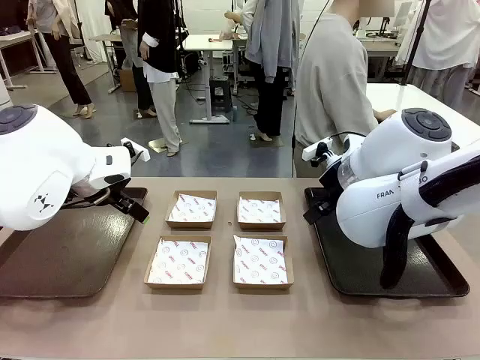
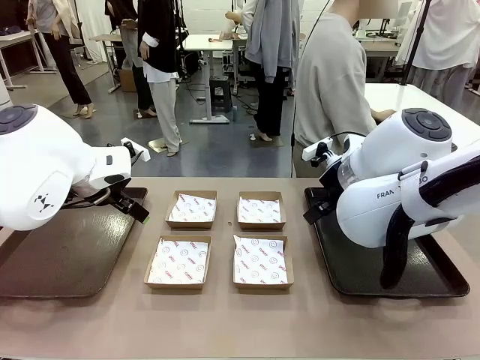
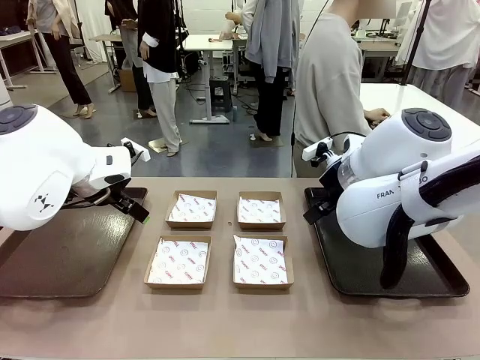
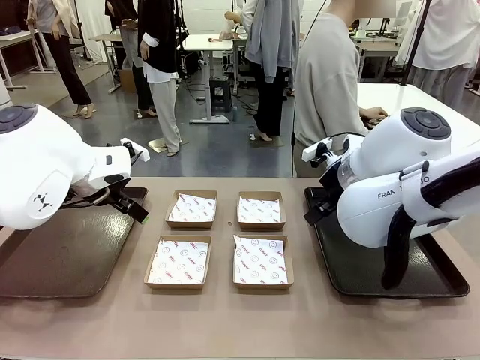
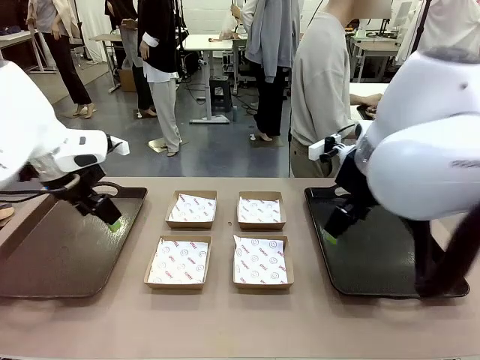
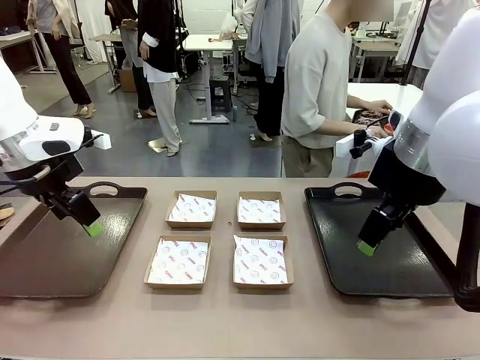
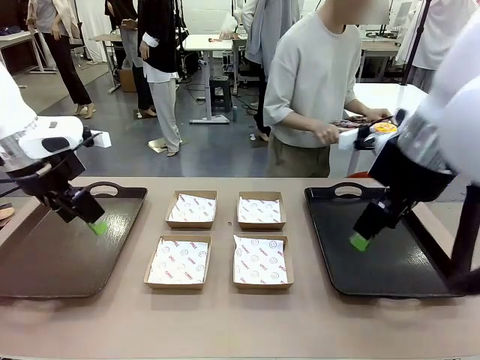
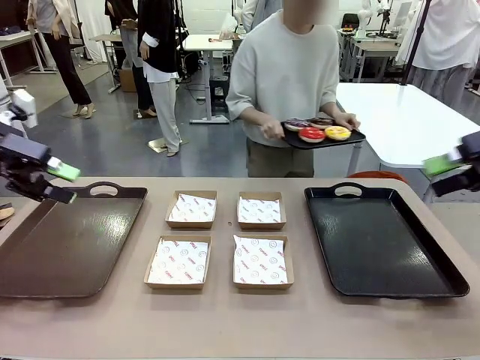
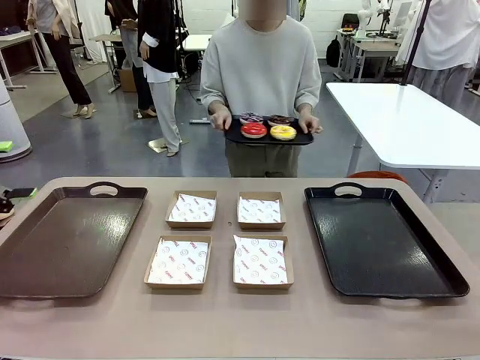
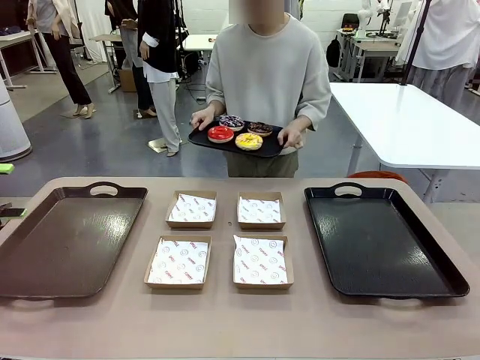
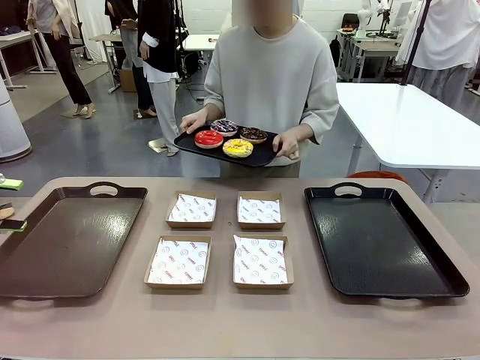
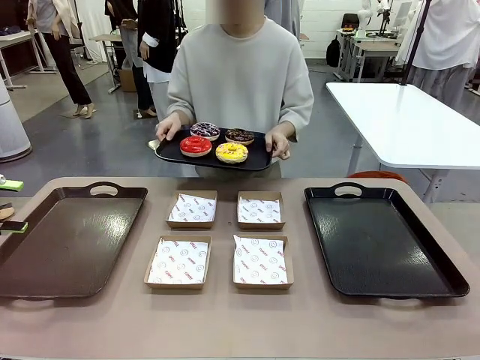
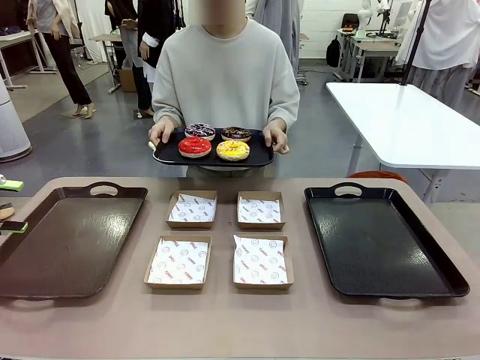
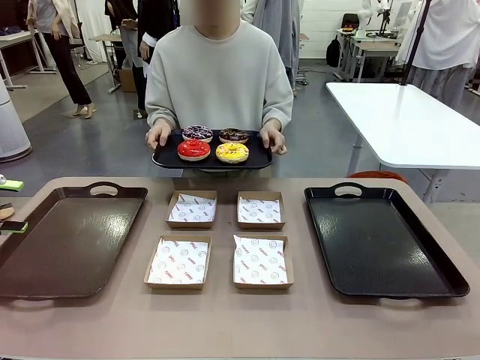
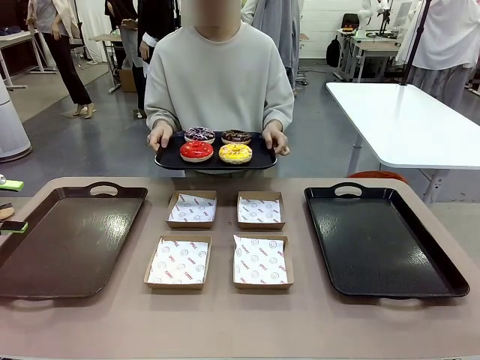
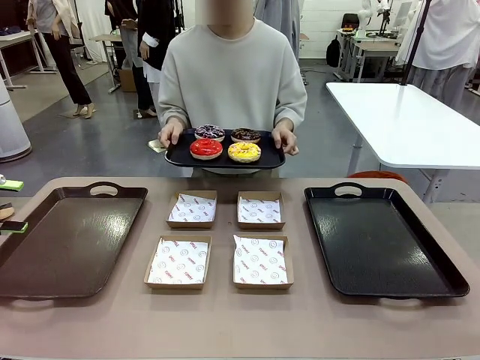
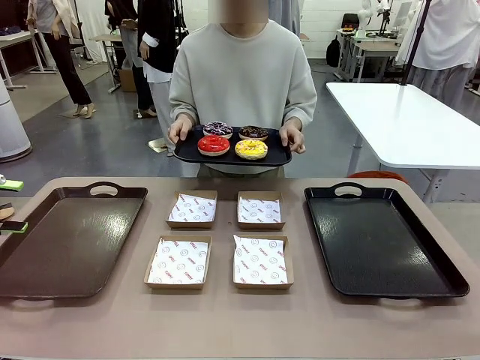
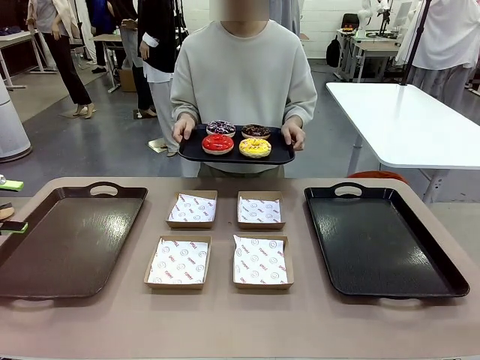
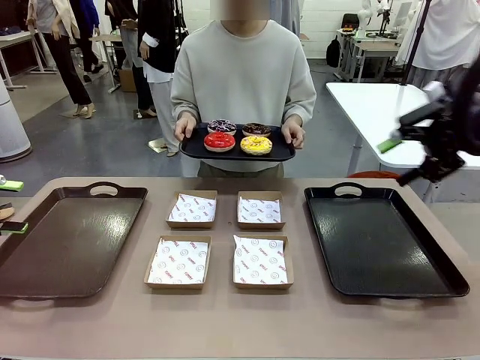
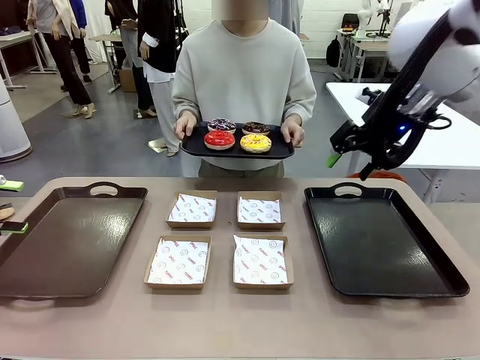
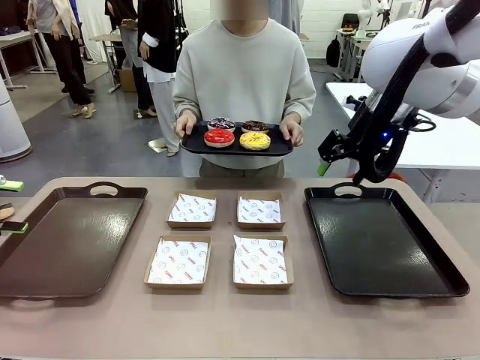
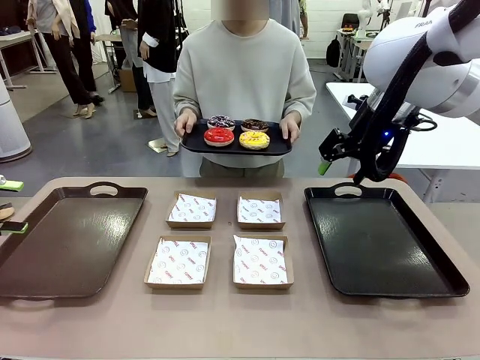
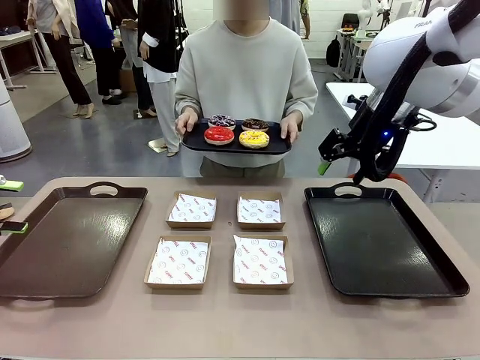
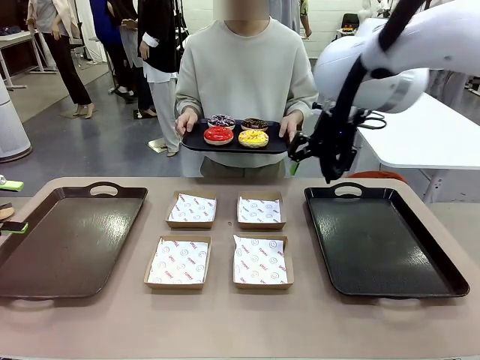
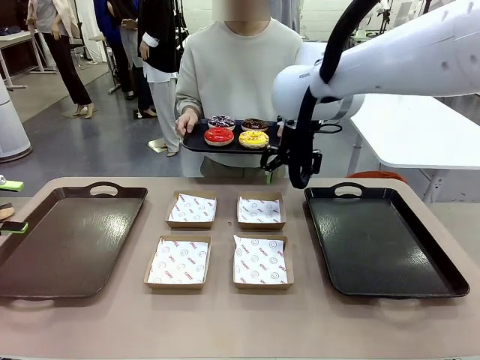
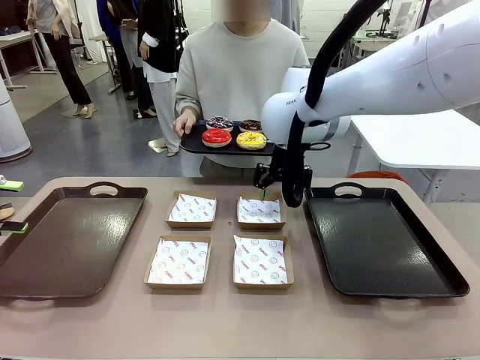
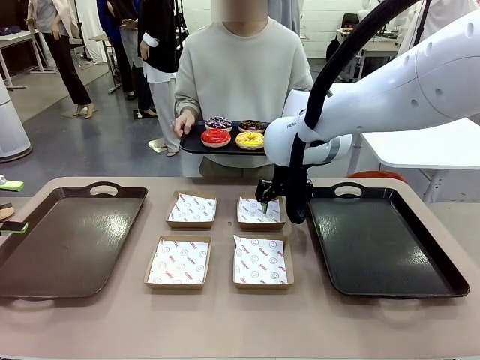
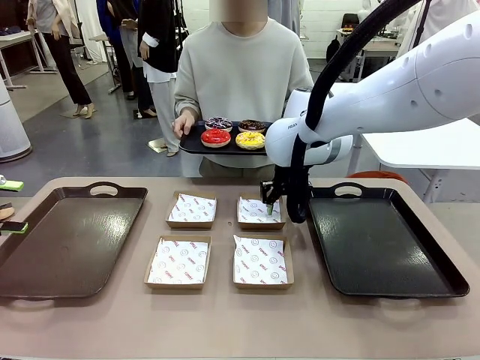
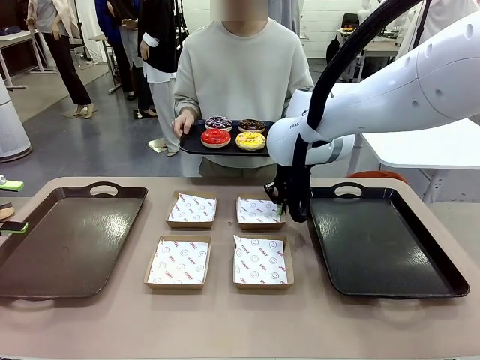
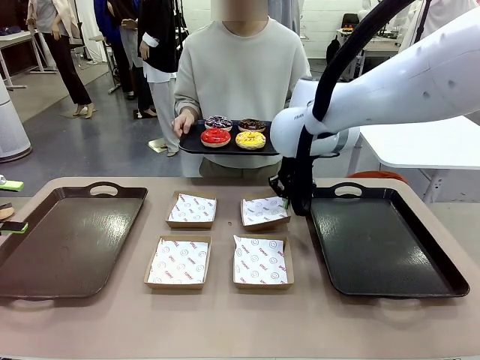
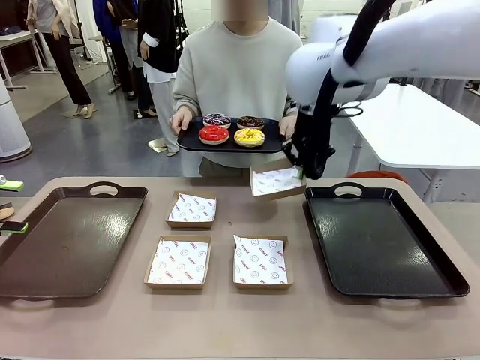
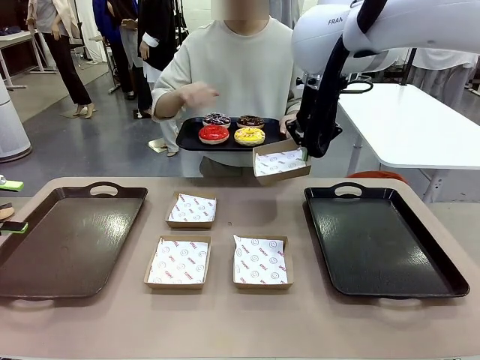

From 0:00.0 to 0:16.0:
Task: Individually package the donuts and arrange them on the tray.
Robot: Pick up one Paper togo box.
Person: Stand in front of the robot table holding the tray containing the donuts.

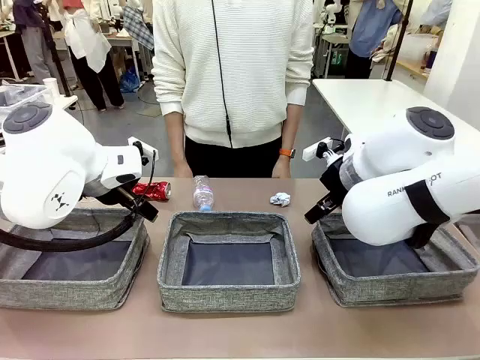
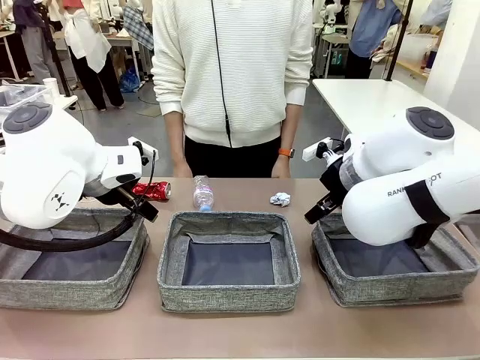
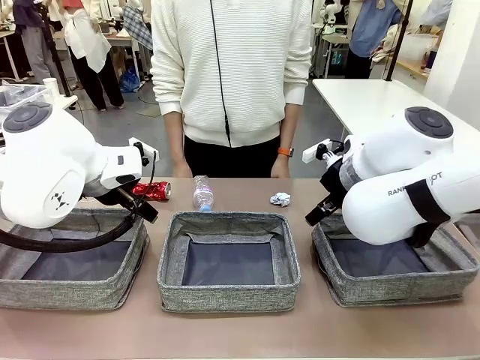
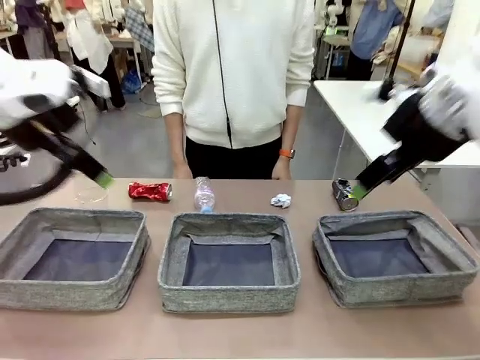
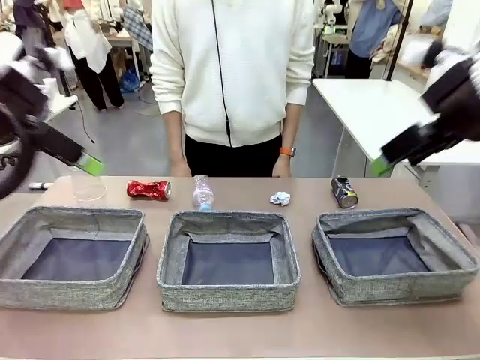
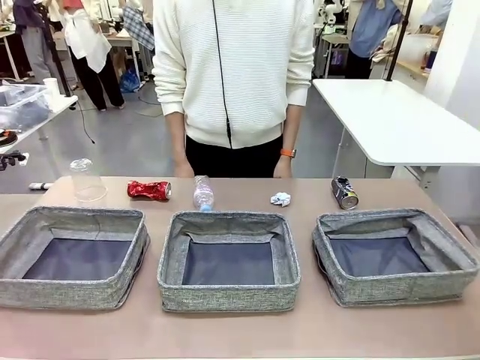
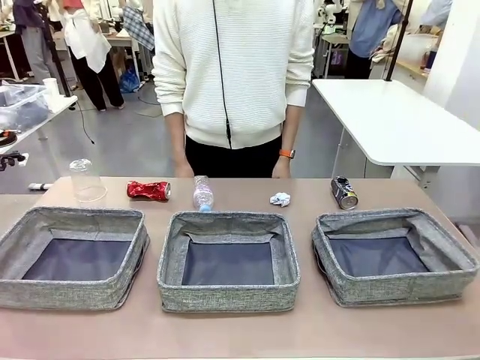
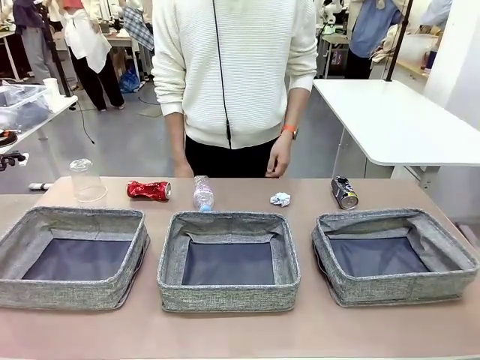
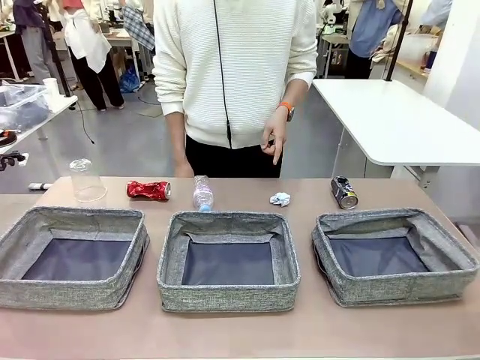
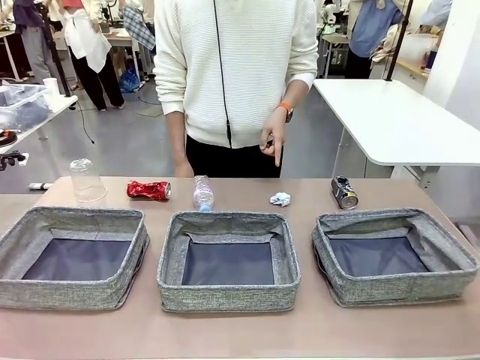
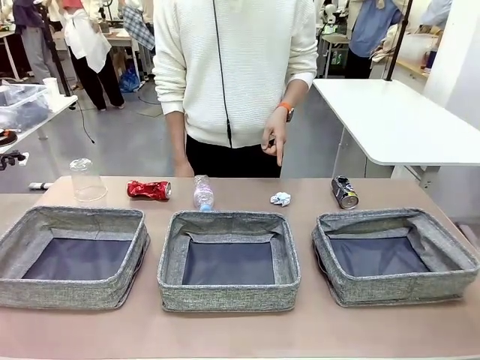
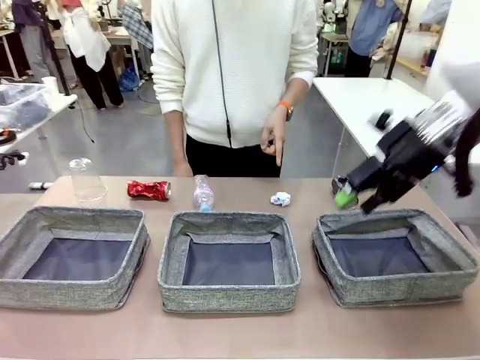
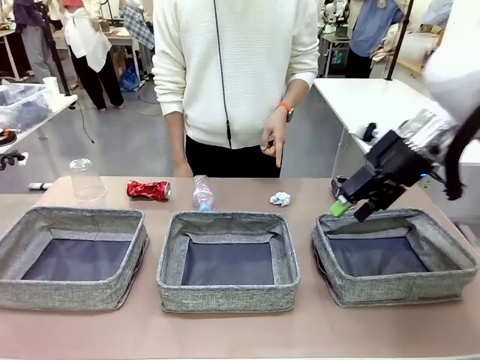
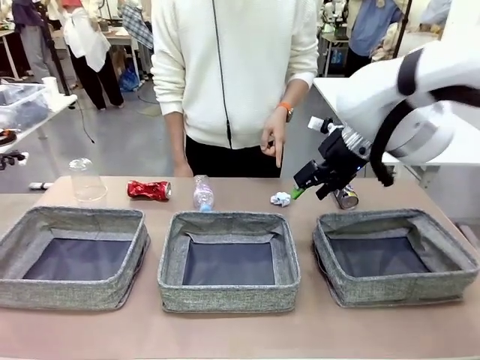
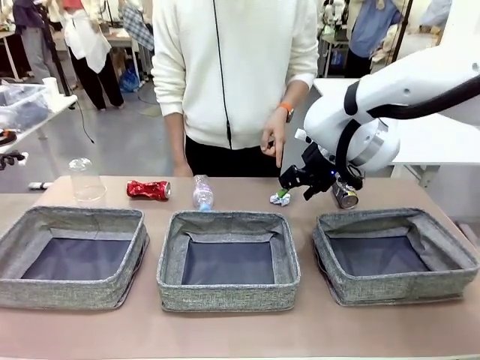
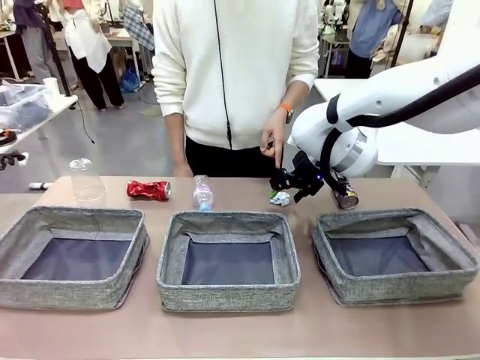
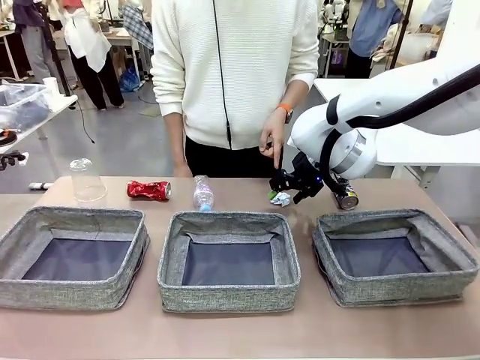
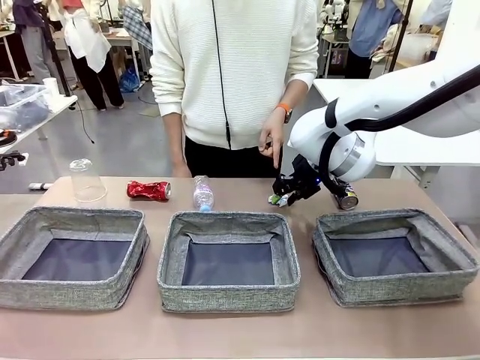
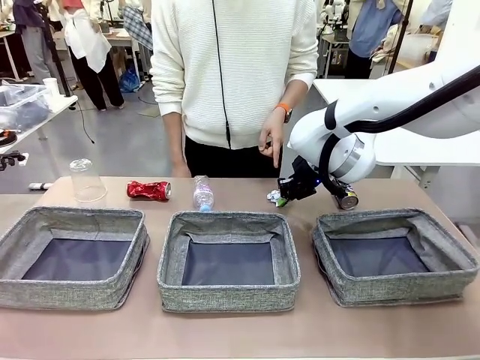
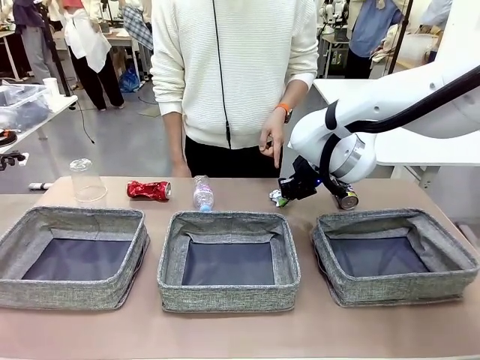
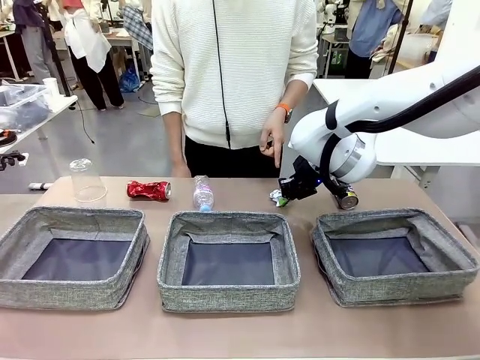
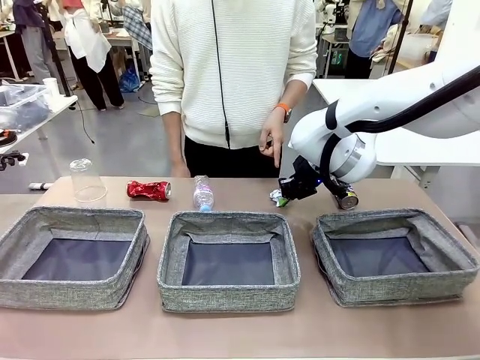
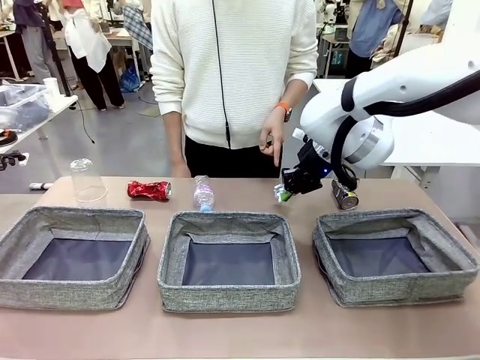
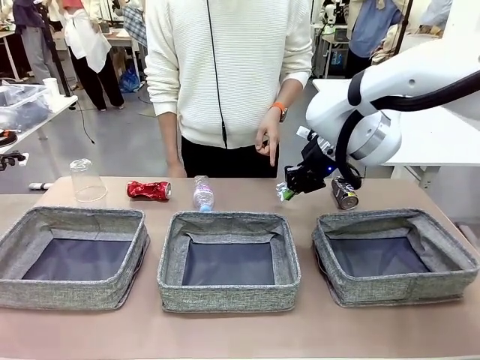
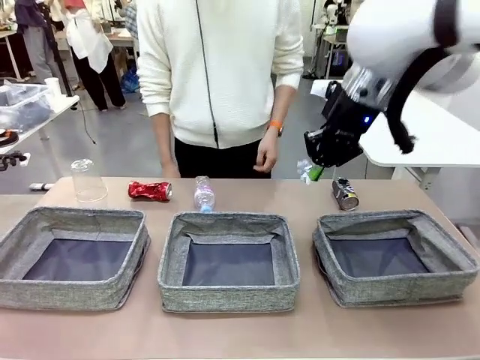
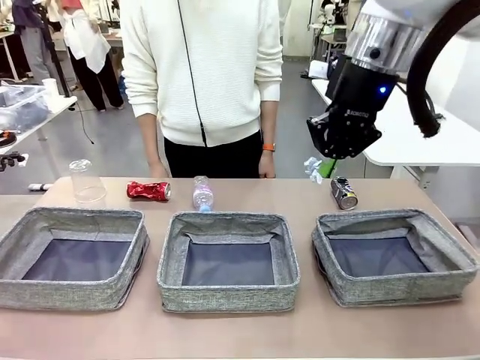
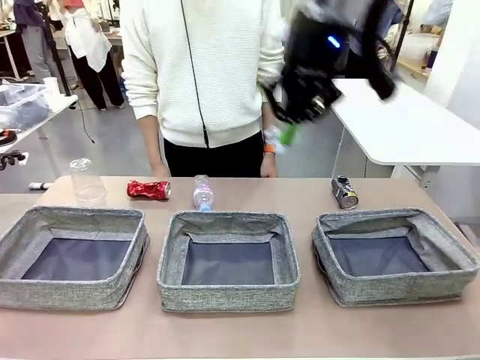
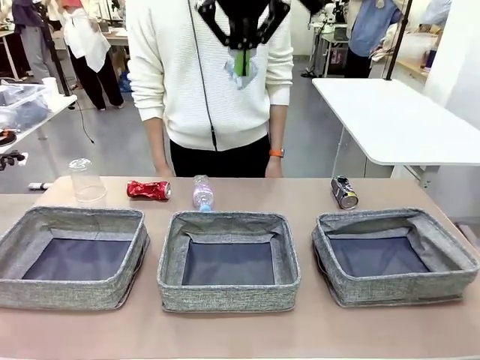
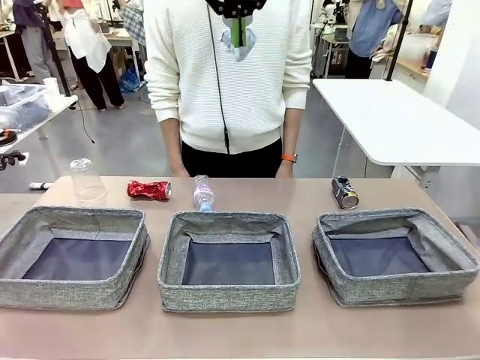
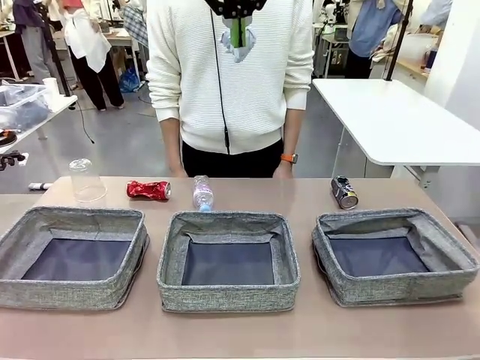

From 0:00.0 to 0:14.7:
Task: Sort the waste into the appropriate baskets.
Robot: Pick up the waste item pointed out by the person.
Person: Points to one piece of trash on the table.
